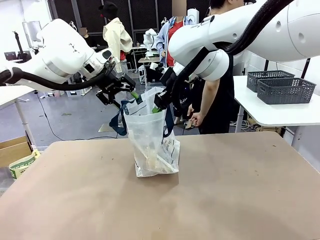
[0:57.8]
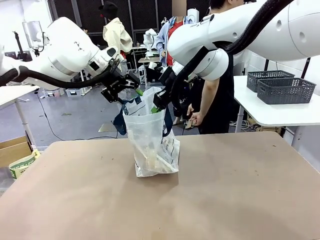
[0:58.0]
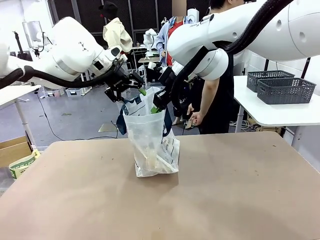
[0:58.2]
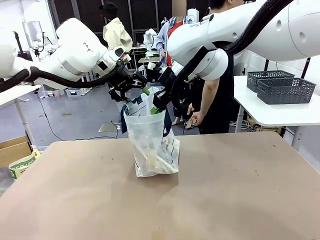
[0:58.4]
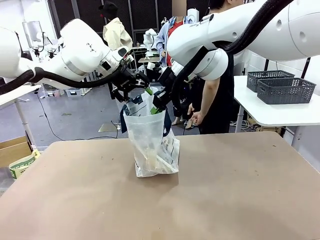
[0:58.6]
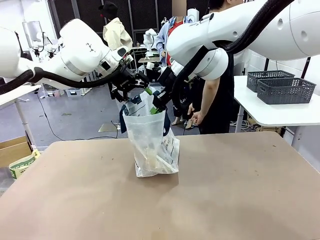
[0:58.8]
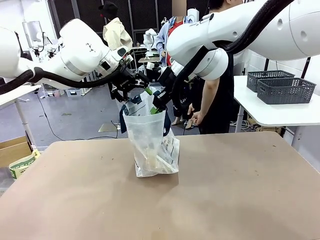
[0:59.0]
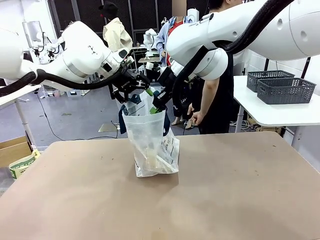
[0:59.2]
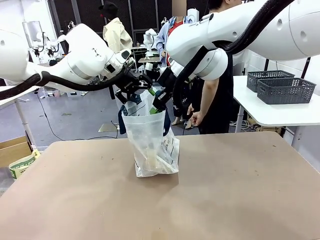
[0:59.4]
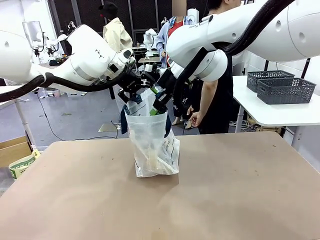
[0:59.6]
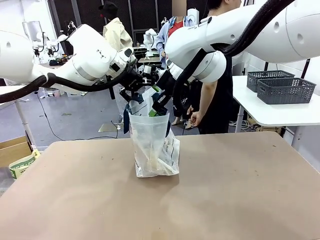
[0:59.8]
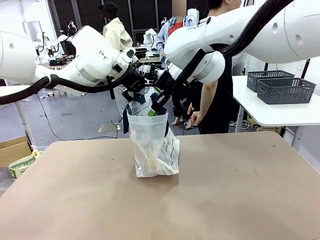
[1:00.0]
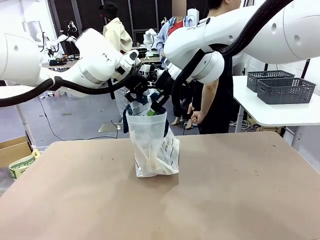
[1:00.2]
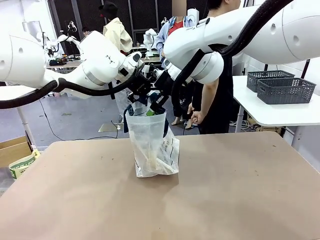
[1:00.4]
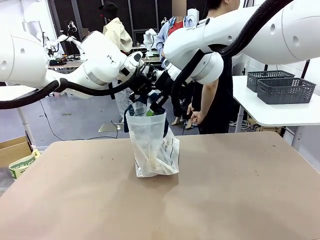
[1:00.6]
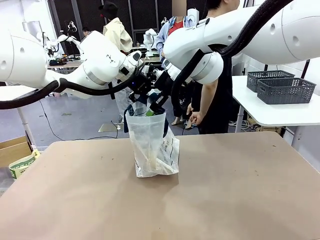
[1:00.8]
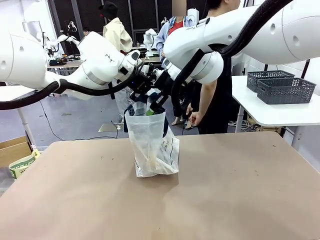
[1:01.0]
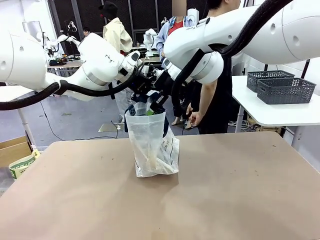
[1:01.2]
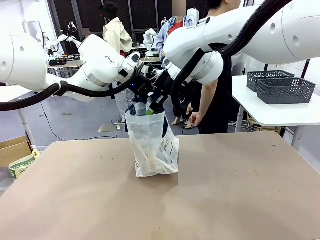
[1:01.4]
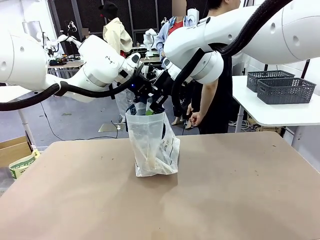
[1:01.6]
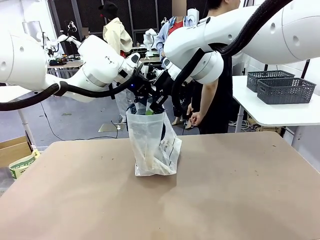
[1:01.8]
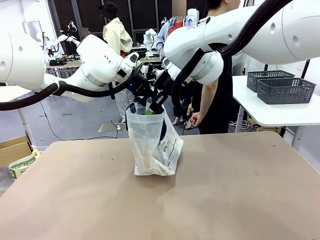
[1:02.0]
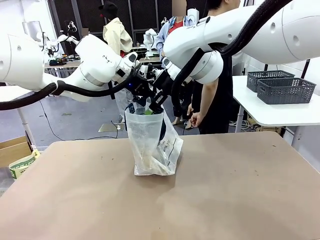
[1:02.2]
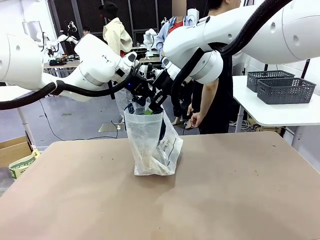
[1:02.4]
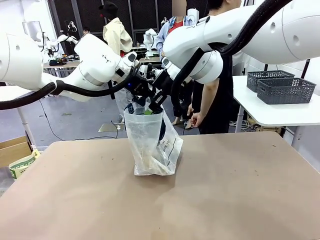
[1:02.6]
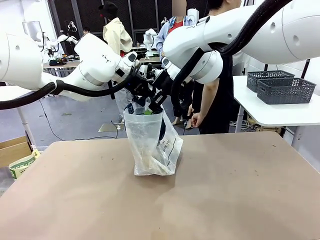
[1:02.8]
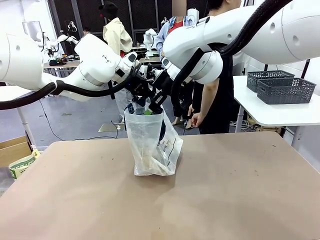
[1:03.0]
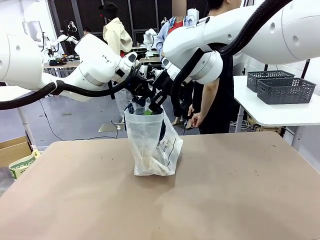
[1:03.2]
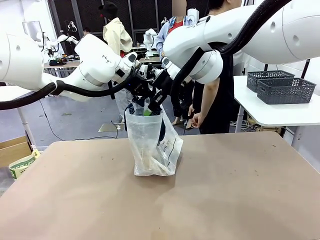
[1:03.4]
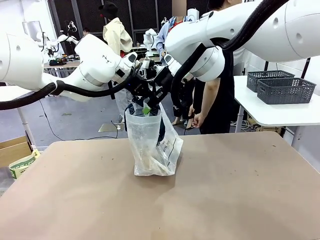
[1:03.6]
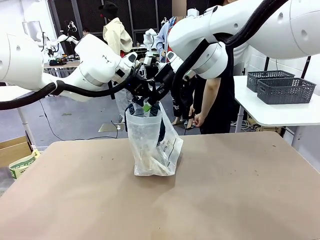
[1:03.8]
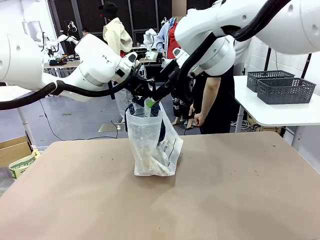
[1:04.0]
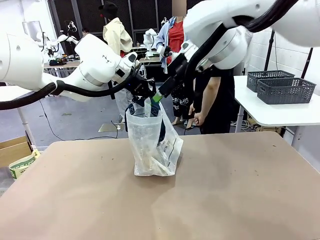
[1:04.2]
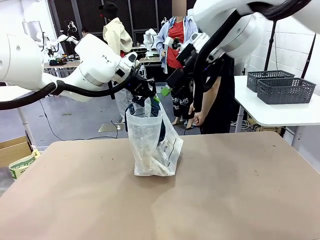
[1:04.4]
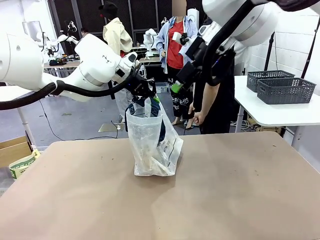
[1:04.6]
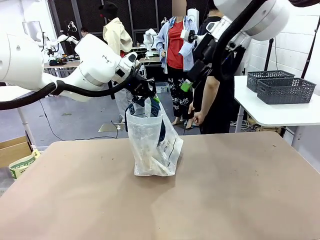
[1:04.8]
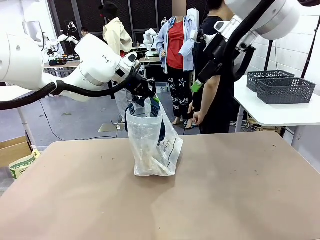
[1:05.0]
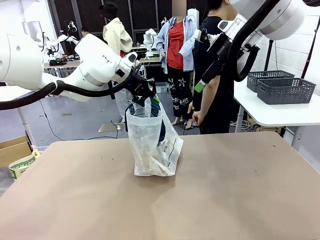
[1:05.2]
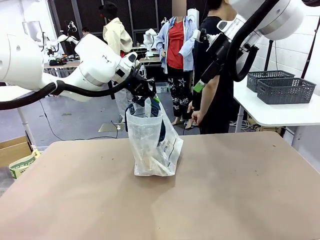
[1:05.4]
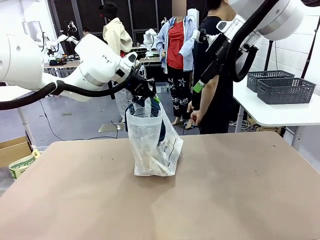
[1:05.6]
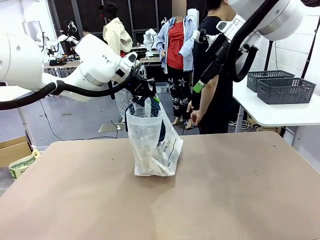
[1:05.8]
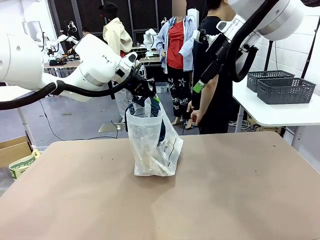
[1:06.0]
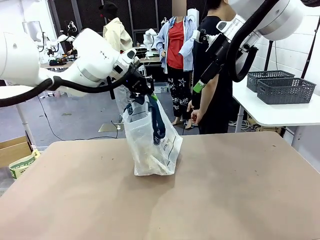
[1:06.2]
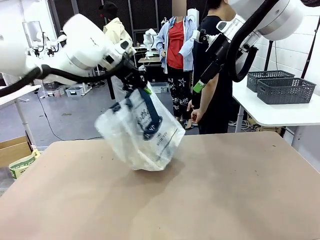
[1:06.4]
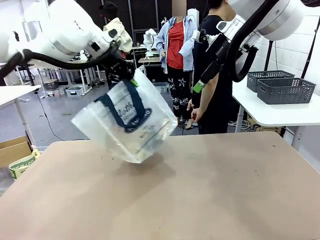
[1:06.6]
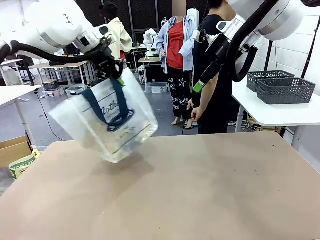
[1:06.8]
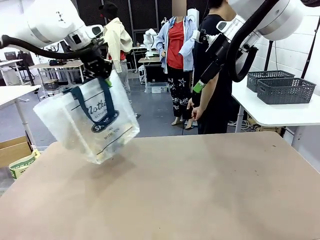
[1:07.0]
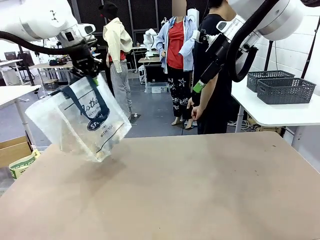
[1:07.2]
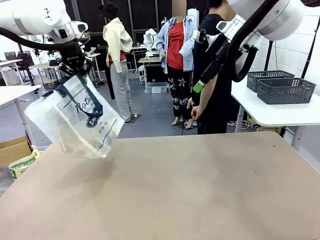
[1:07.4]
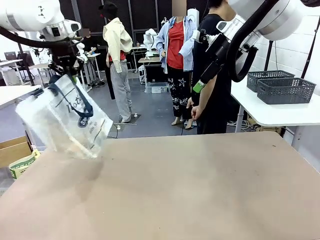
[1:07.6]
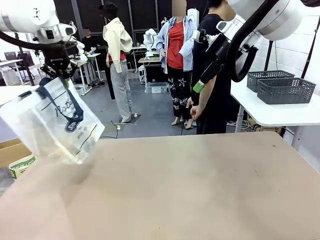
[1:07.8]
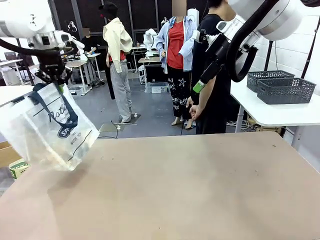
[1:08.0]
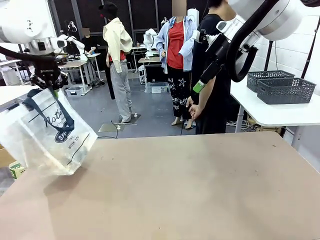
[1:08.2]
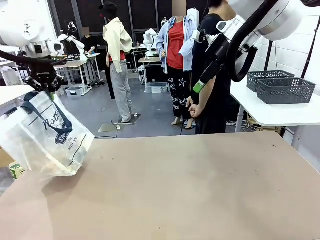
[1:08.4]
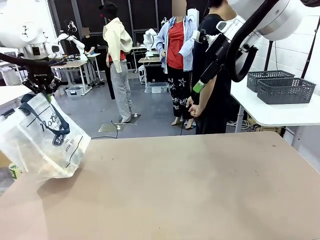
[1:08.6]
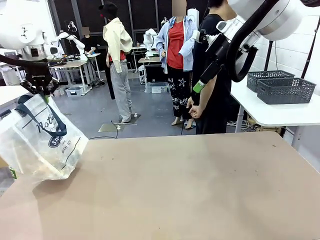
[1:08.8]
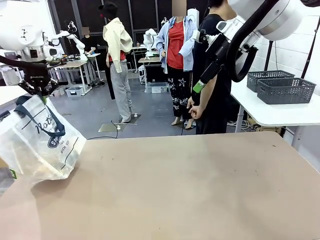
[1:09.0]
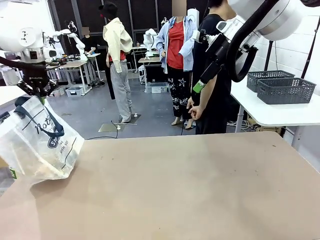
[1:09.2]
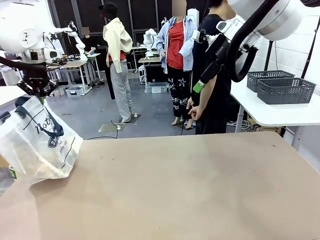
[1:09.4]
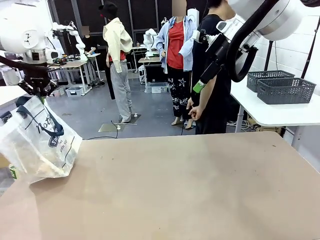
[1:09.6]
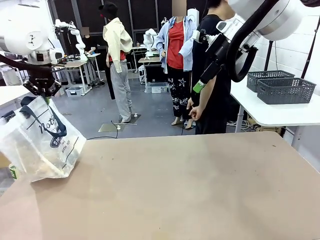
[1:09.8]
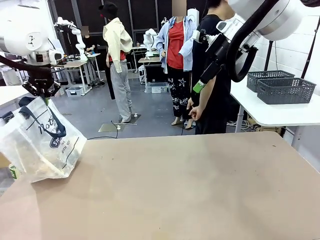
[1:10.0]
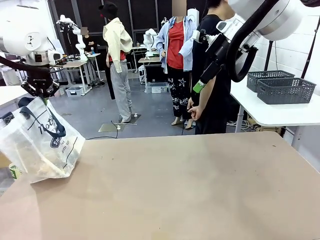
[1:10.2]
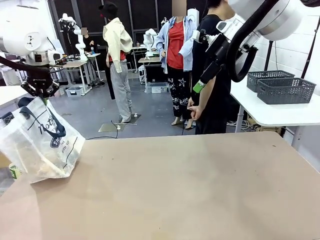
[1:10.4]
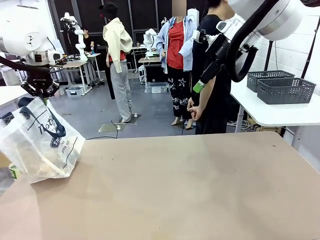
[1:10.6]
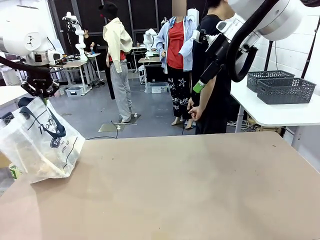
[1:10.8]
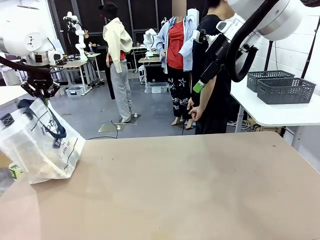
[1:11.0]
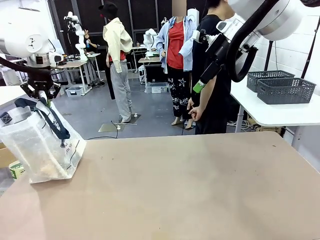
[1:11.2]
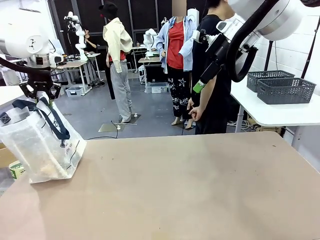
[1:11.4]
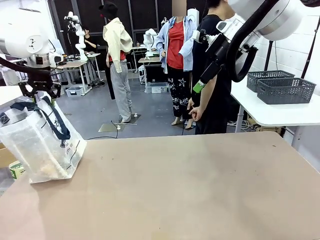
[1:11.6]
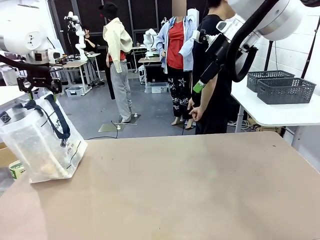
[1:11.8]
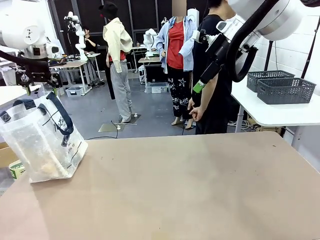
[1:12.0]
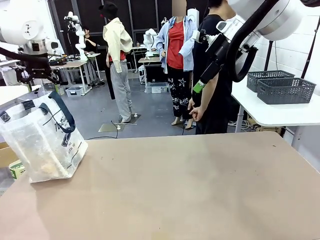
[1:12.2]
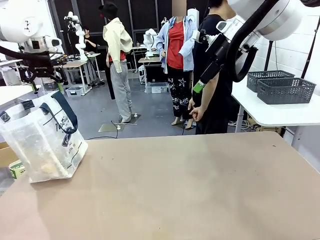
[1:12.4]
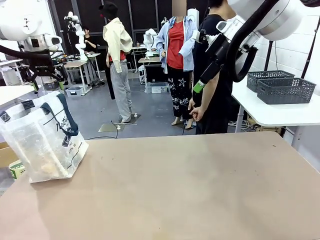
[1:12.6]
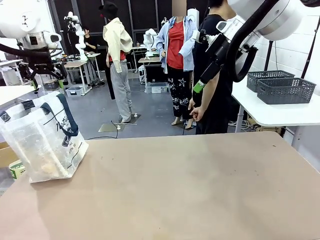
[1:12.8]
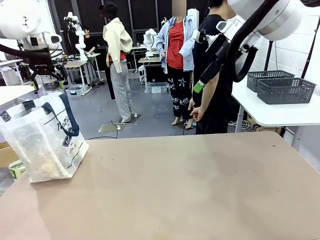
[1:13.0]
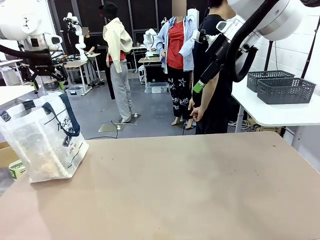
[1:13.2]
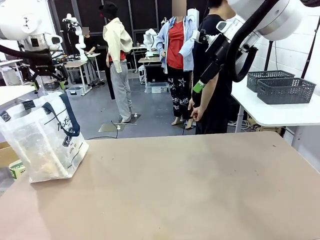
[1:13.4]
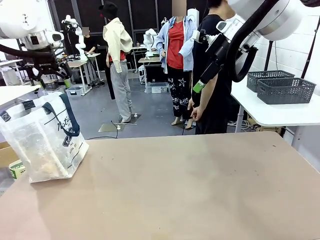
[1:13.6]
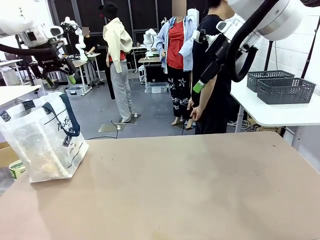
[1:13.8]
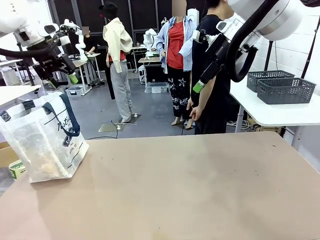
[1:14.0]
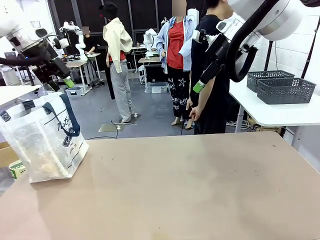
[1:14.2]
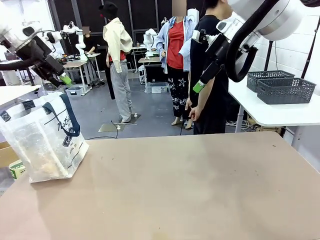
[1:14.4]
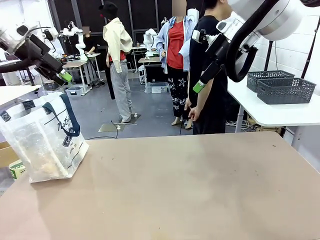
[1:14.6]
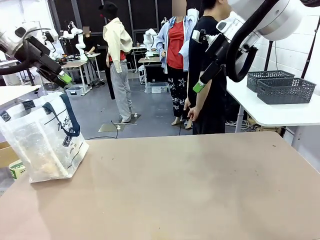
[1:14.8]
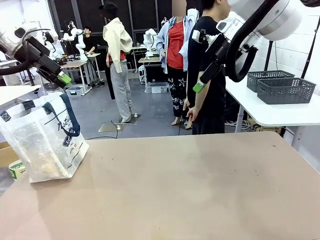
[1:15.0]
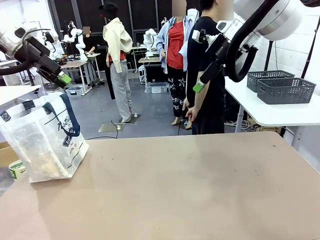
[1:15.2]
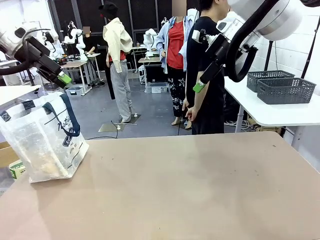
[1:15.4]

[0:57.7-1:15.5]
Task: Transfer purchased items from the store into the shopping bag.
Robot: Move the Reusable shopping bag to the right side of the table.
Person: Move the basket on the left to the middle of the person's table.
